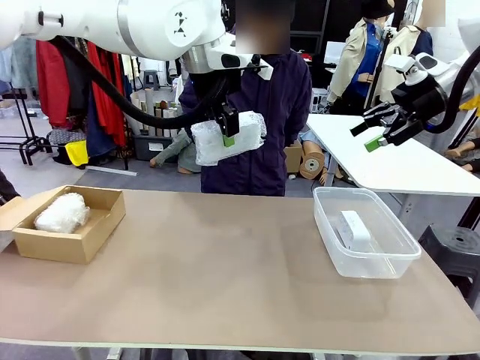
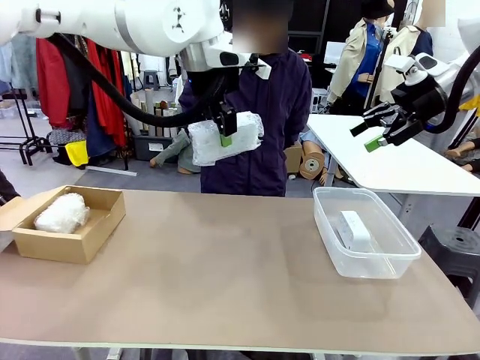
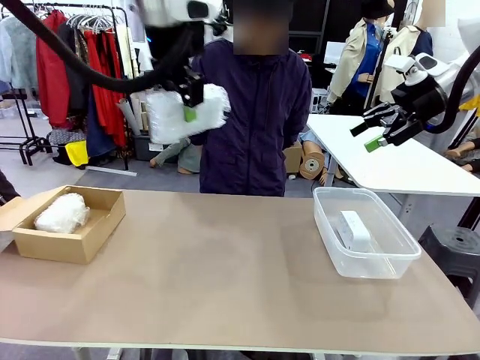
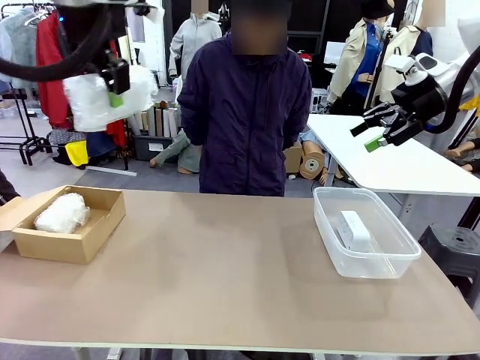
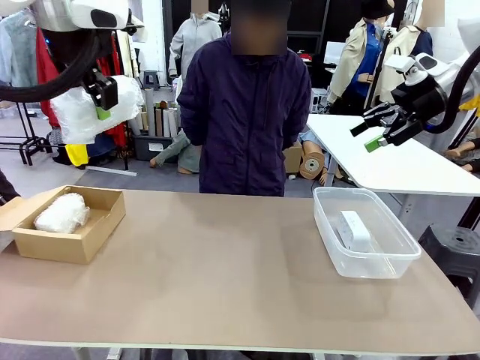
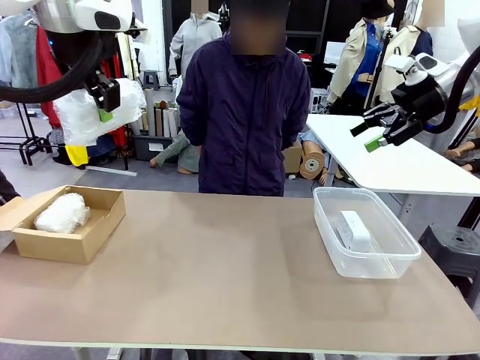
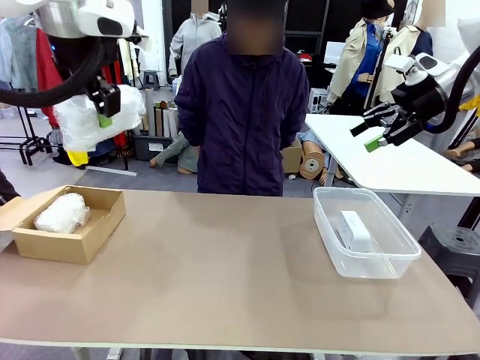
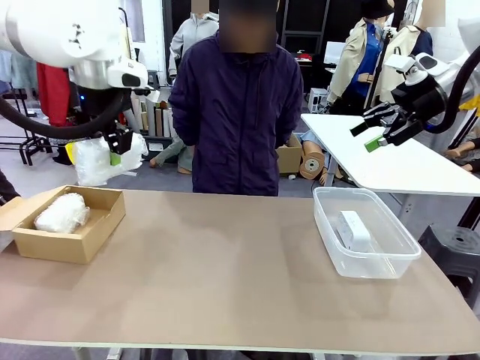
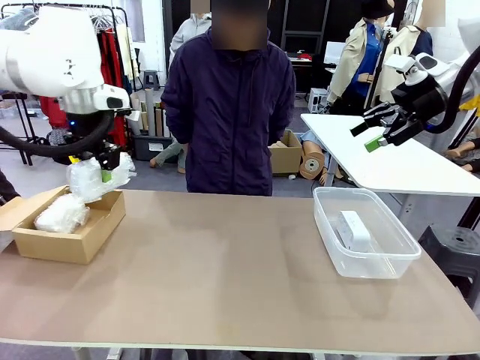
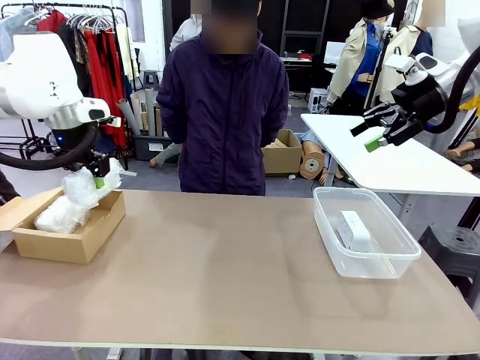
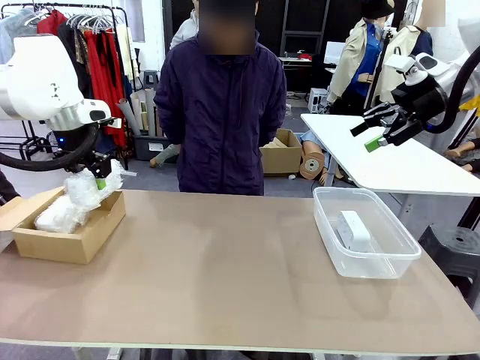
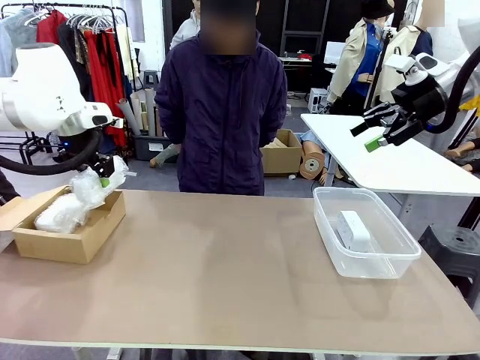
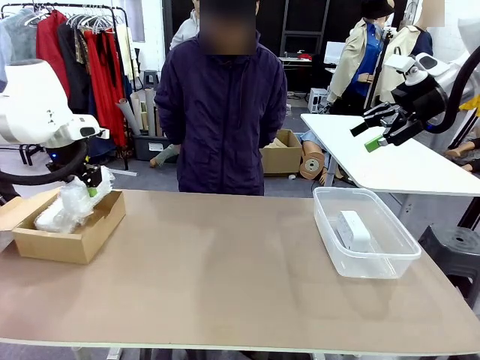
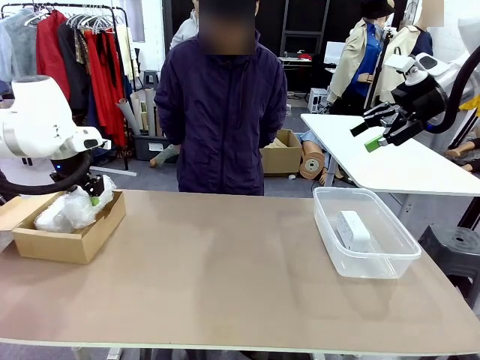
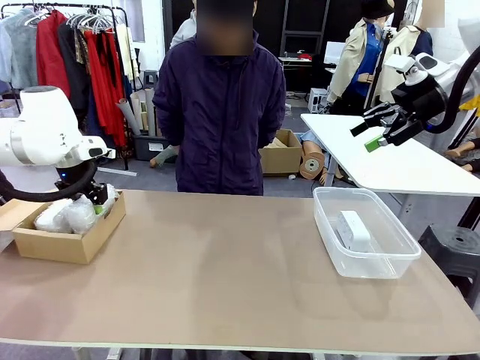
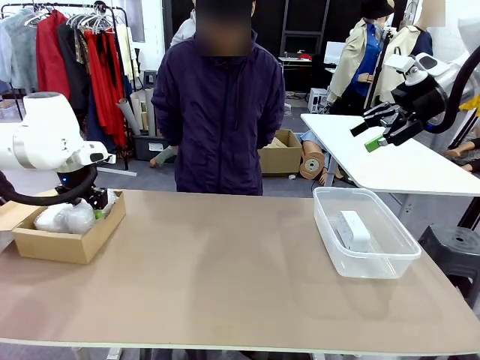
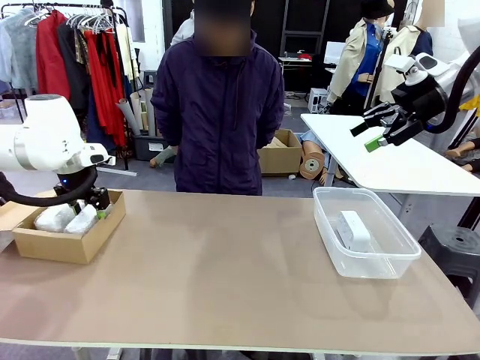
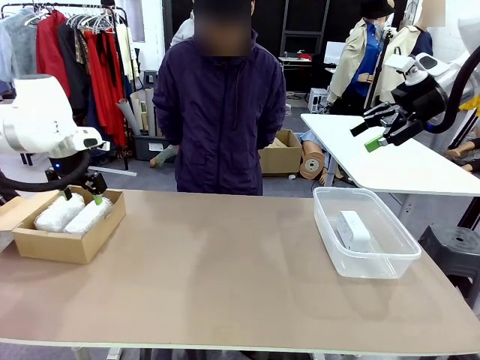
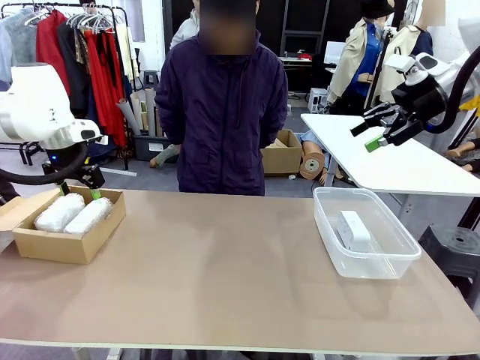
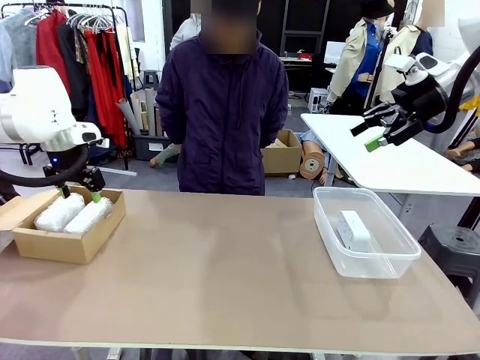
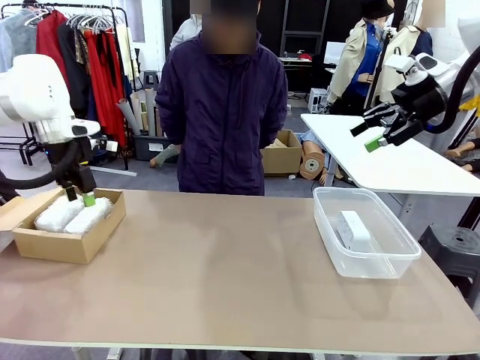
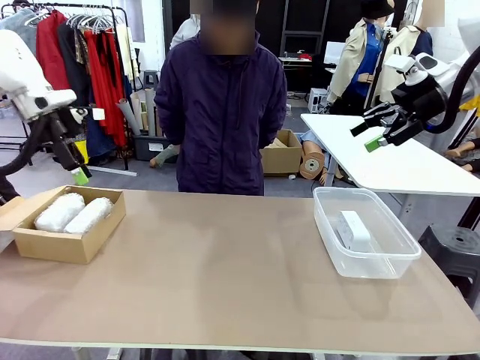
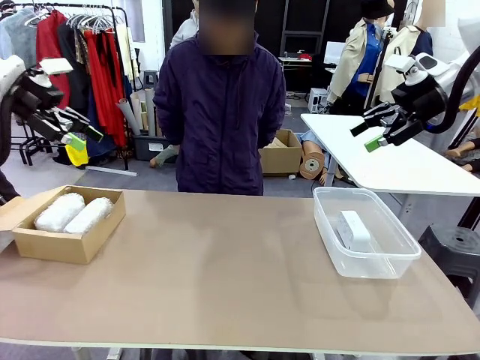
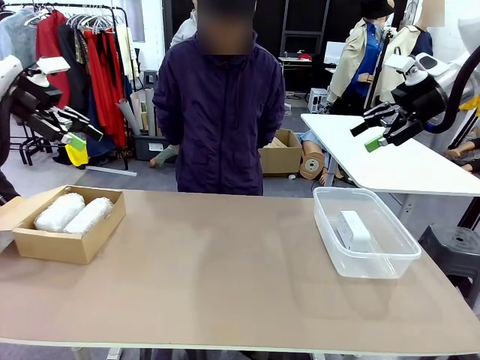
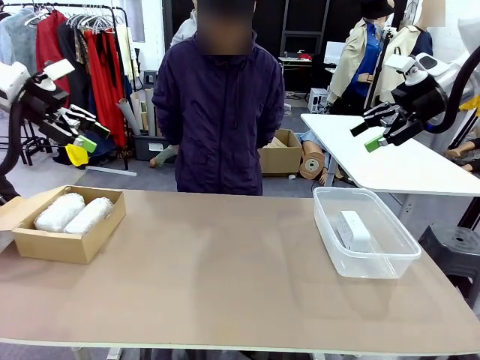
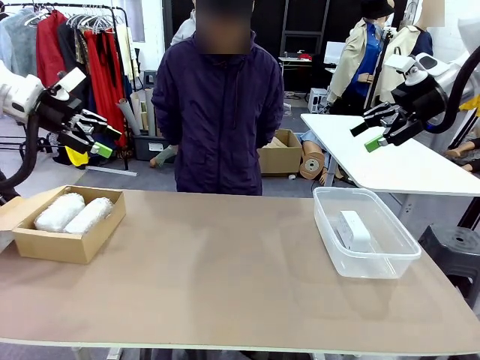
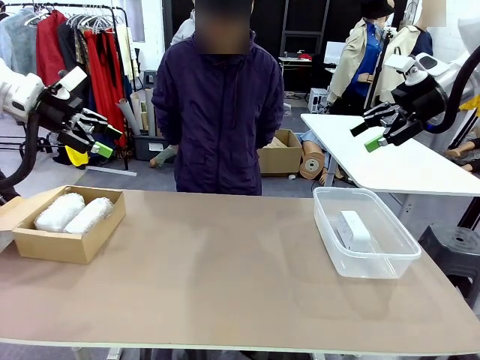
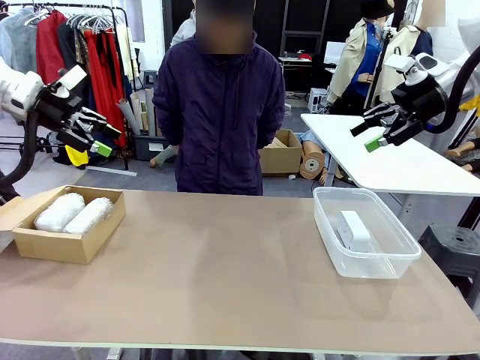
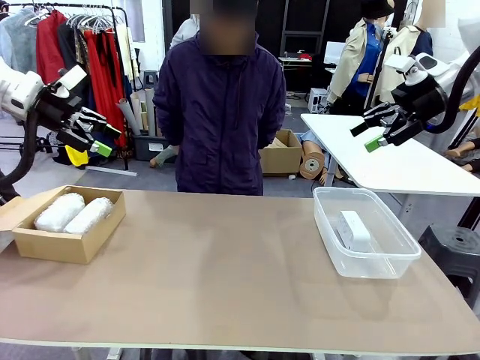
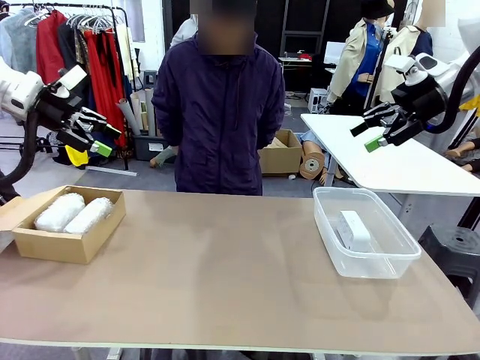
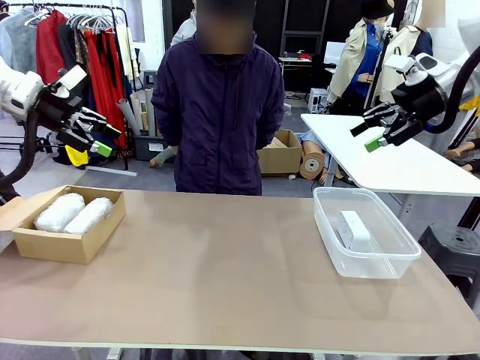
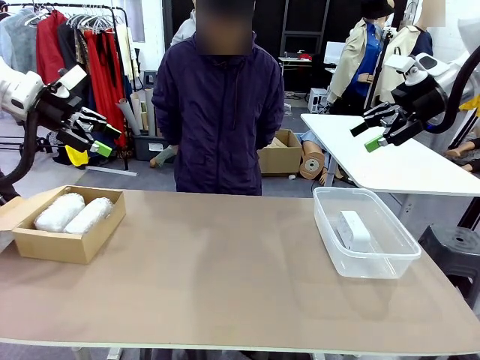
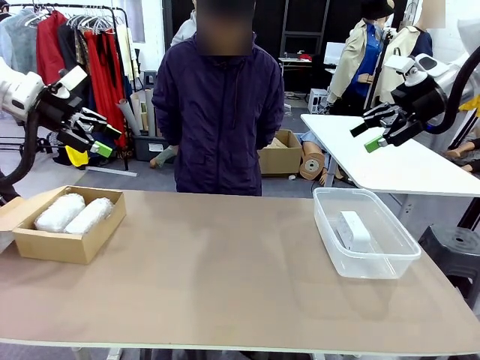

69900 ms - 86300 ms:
Task: Separate and place wrapped and unwrapped clocks.
Robot: If the picked Digital clock is wrapped, place it in the Package Box ; if not, place it in the Organizing box.

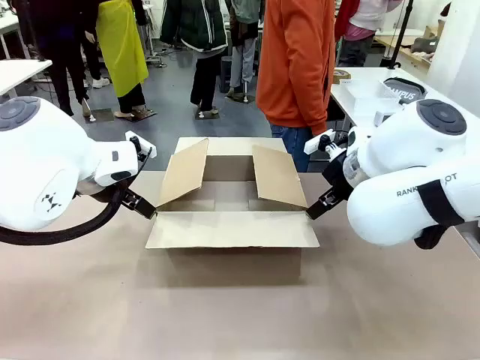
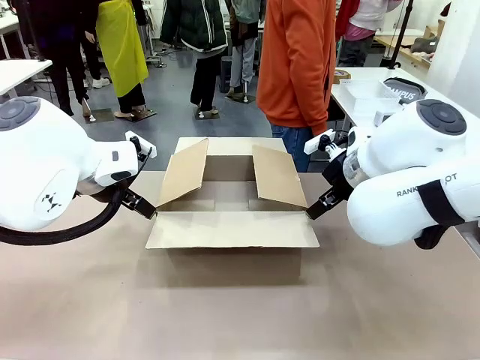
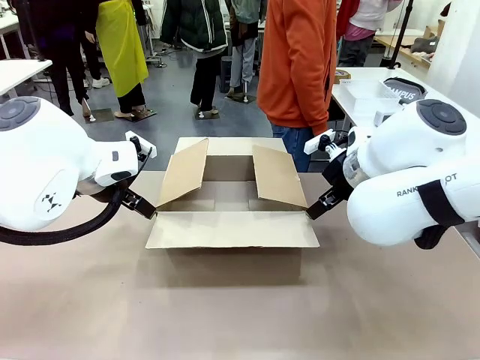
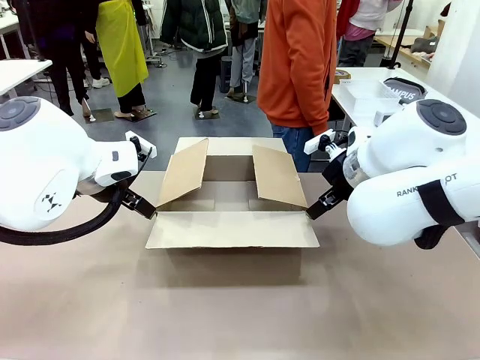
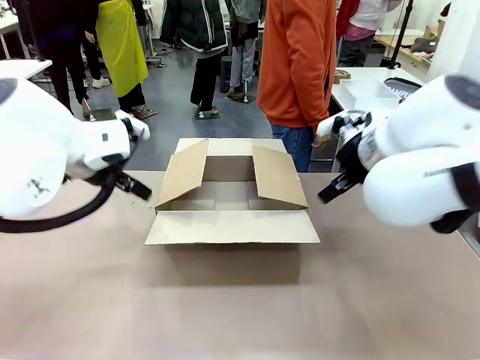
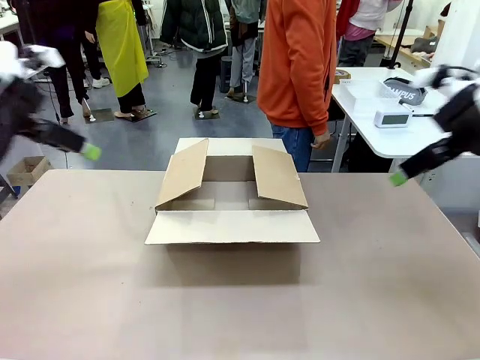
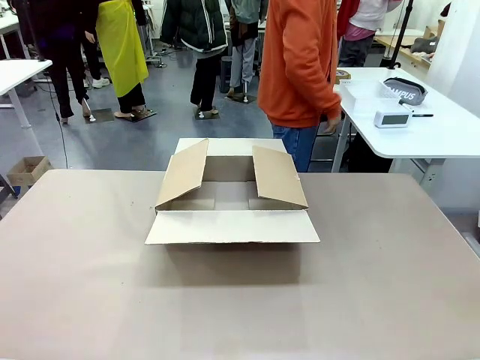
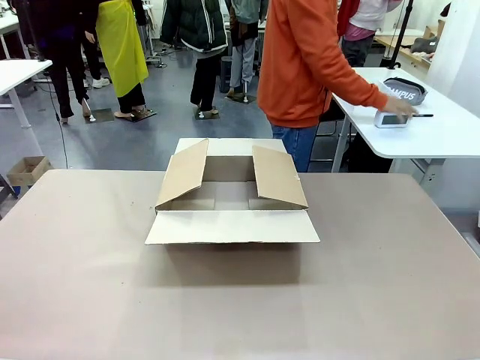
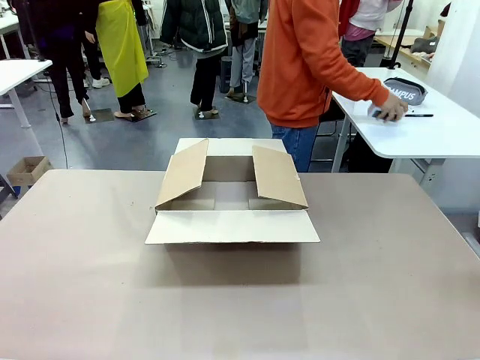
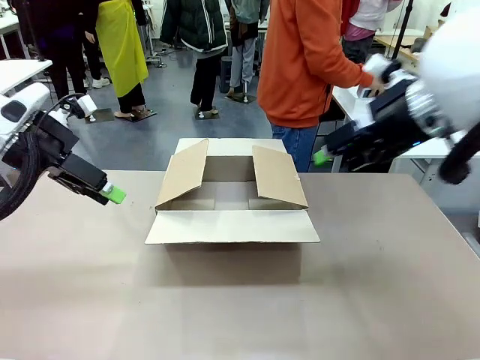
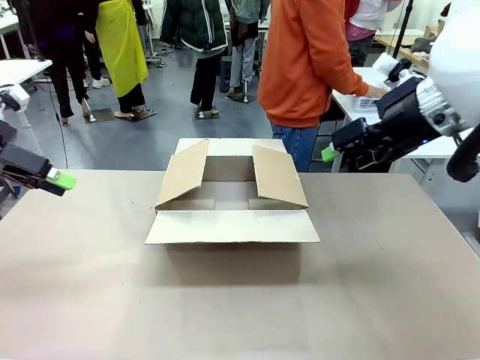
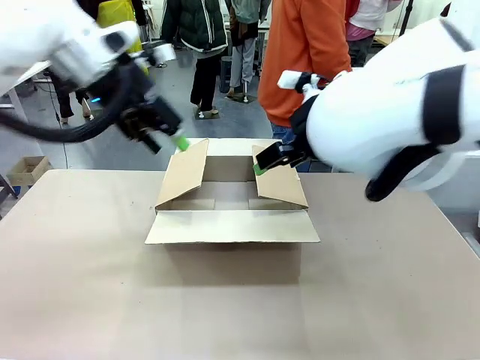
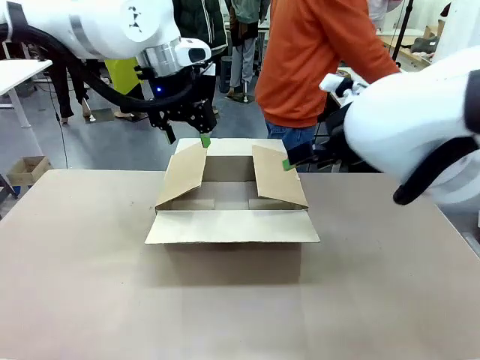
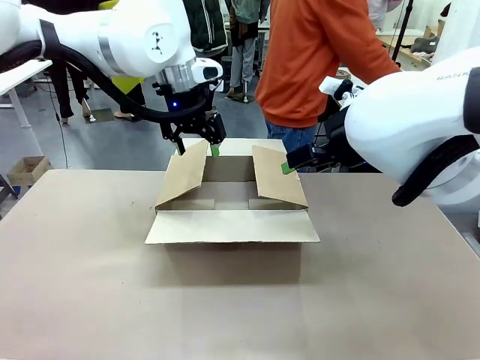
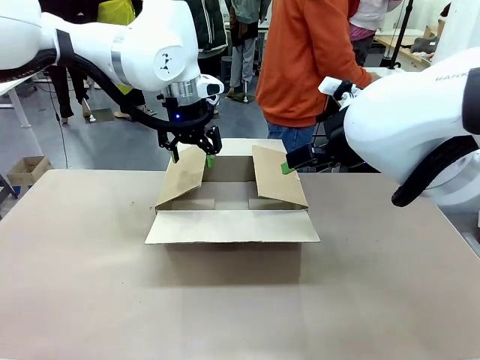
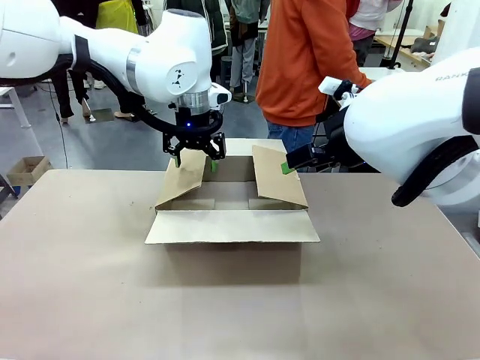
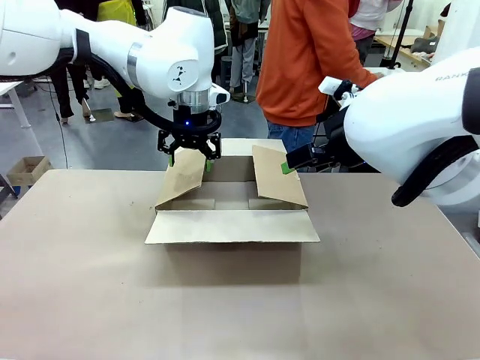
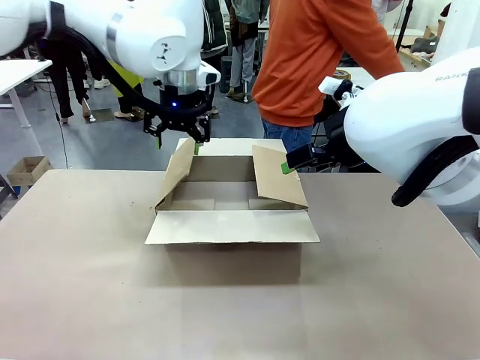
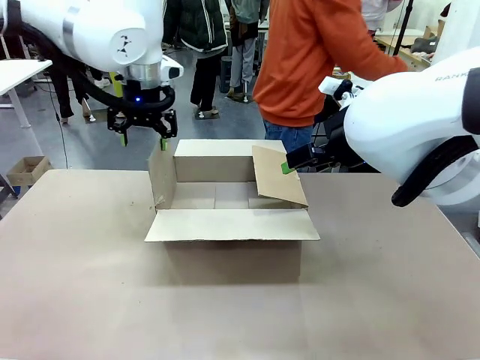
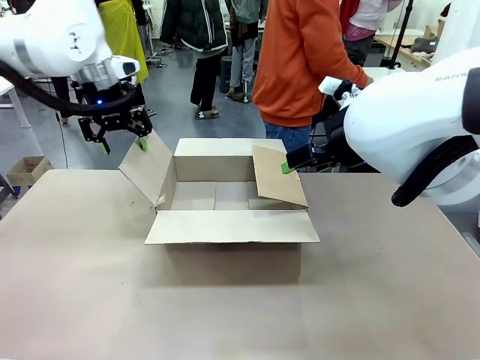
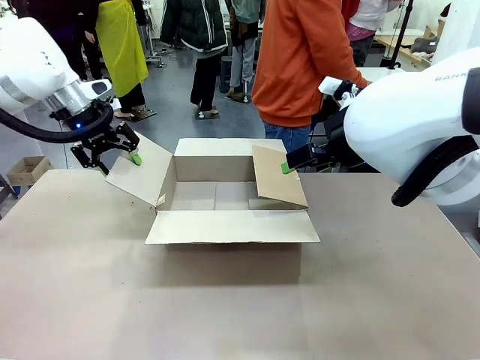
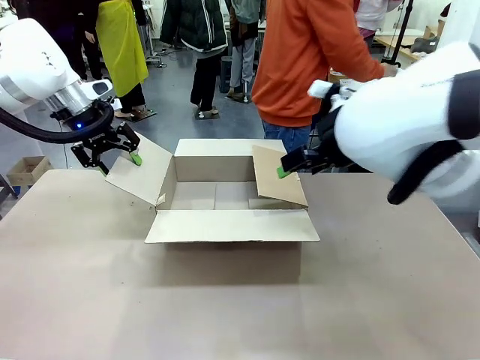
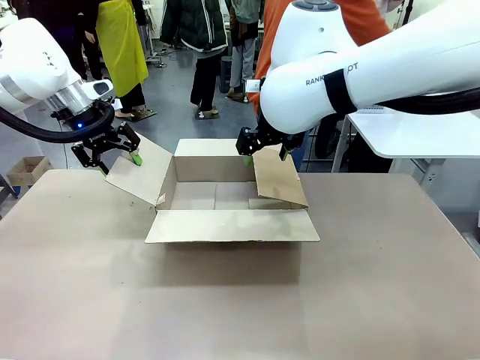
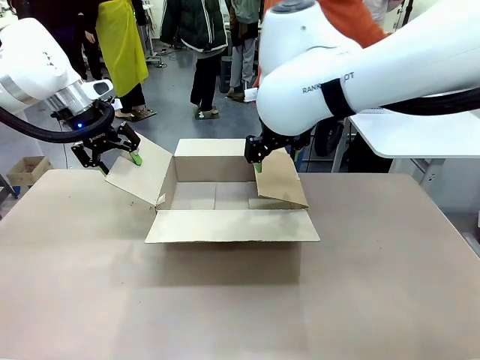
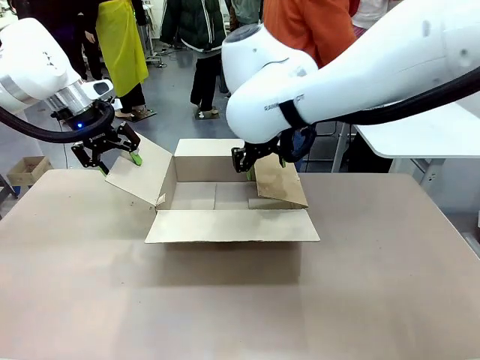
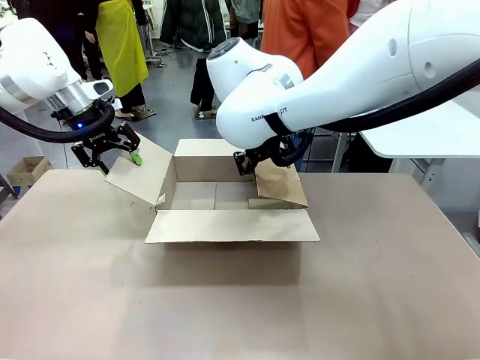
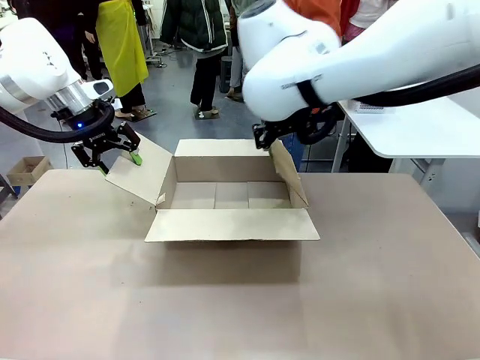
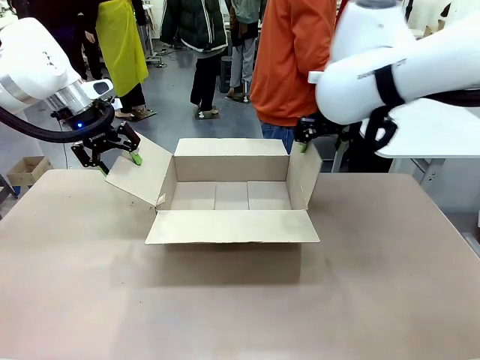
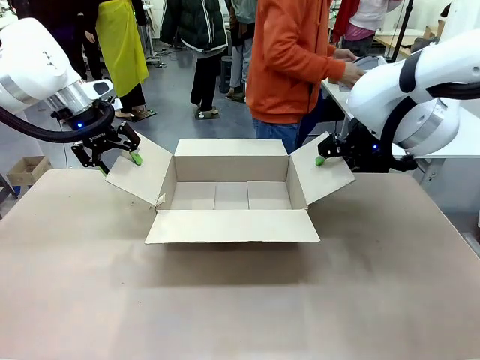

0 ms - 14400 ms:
Task: Pack the gift set into the box.
Robot: Place both hands on the side flaps of the Package Box and spread them outward.
Person: The human places all items except the paper tape into the organizing basket.
